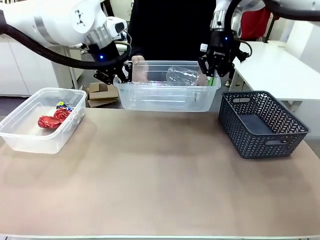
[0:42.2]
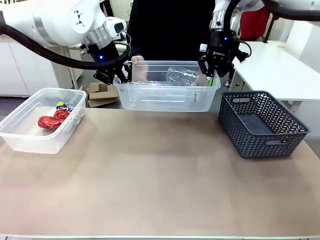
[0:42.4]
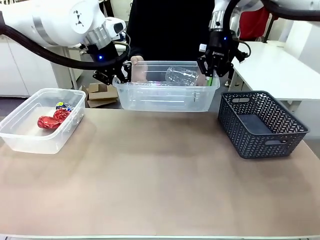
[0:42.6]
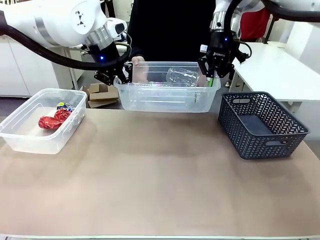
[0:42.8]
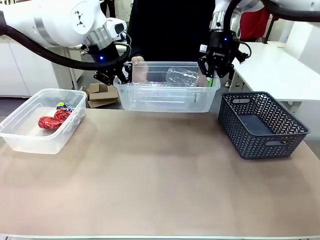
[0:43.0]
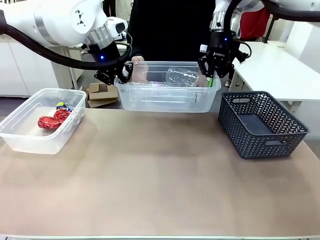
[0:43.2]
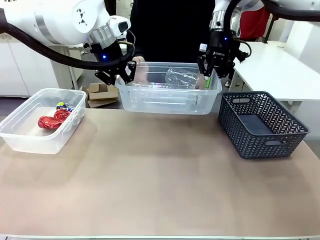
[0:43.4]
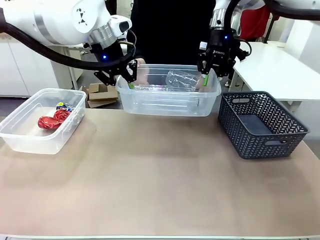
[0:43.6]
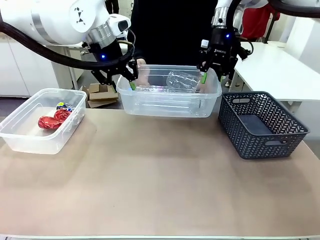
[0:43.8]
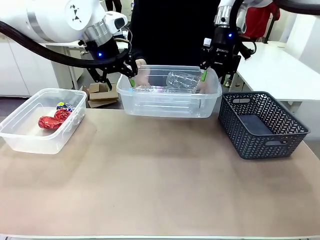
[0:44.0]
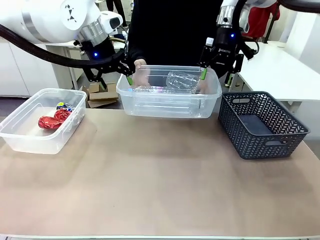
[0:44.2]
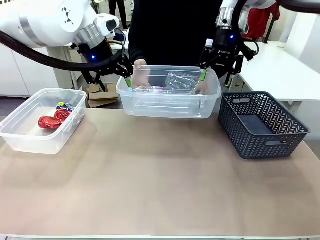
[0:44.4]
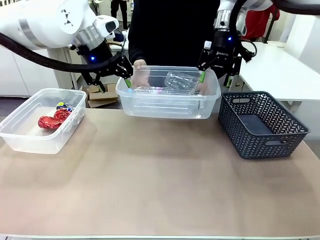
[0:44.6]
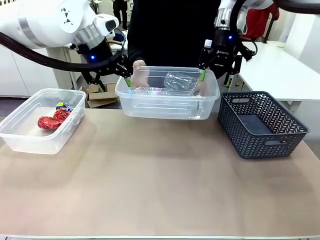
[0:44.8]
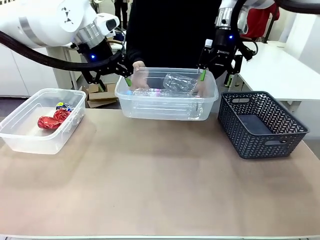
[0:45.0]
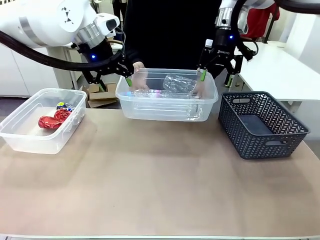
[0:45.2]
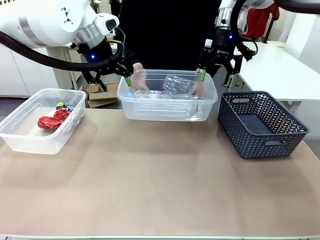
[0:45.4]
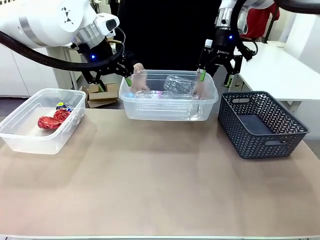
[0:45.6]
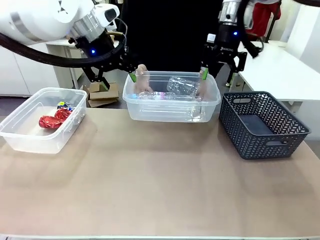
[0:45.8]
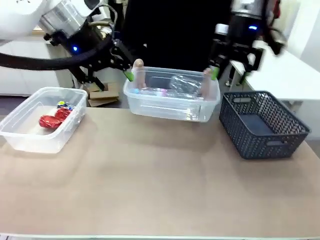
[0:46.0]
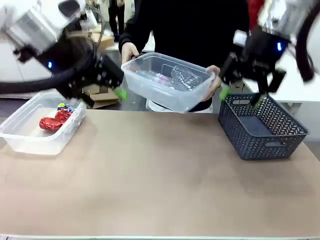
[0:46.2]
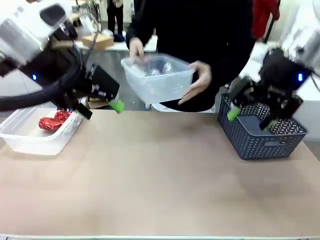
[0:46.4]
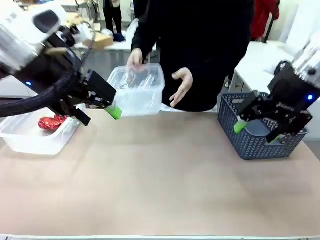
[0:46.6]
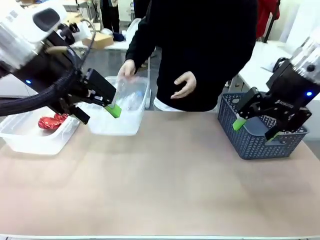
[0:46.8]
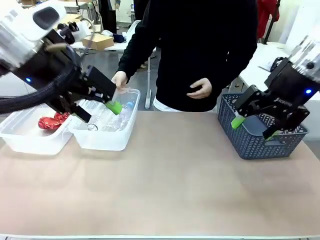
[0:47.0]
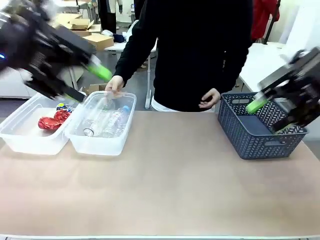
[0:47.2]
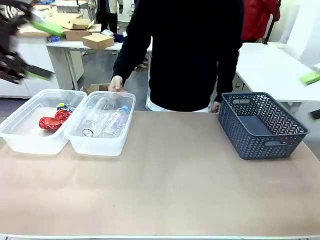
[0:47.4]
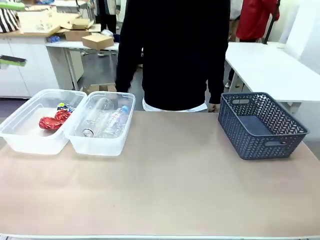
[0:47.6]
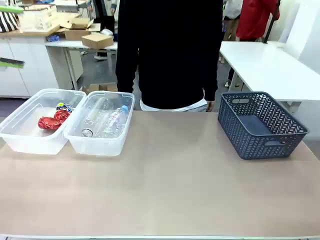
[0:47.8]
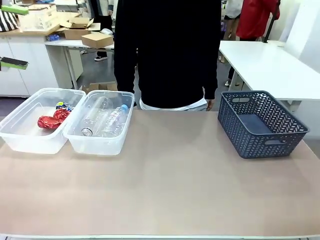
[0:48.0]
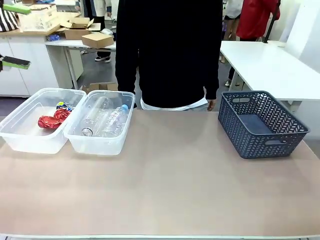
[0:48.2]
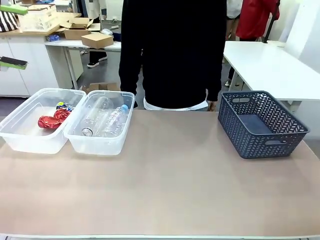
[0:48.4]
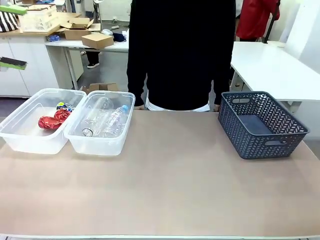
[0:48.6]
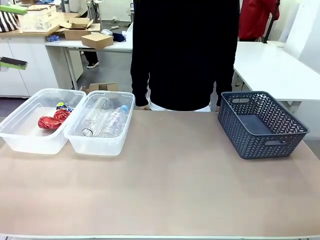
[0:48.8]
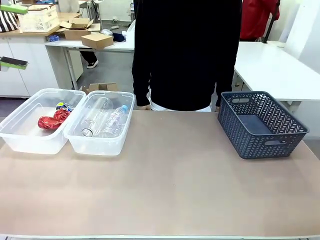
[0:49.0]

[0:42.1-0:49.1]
Robot: Release the Organizing box you were holding.
Person: Pick up the organizing box extended by the robot. Place the organizing box to the left of the sorting box containing the can waste.

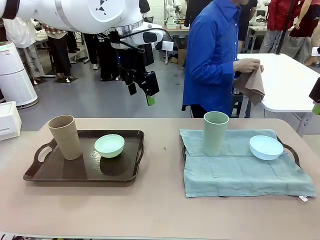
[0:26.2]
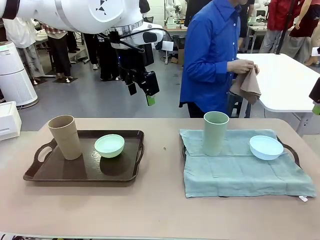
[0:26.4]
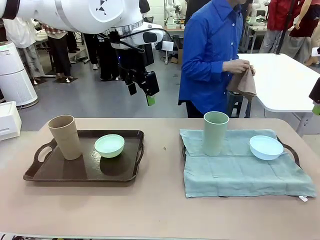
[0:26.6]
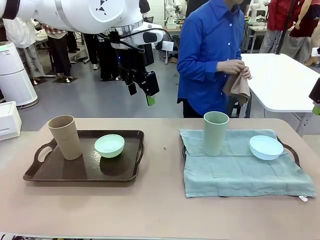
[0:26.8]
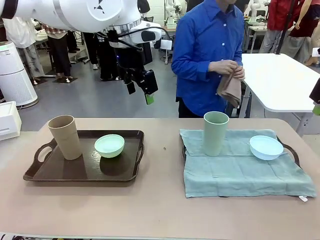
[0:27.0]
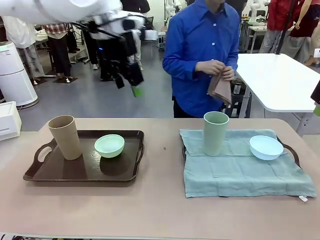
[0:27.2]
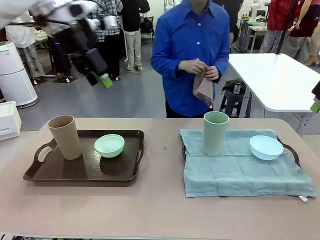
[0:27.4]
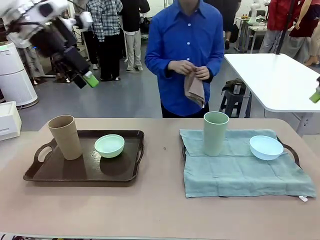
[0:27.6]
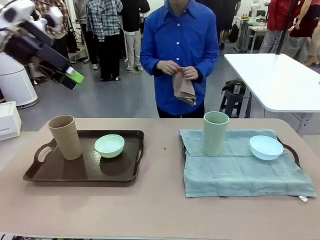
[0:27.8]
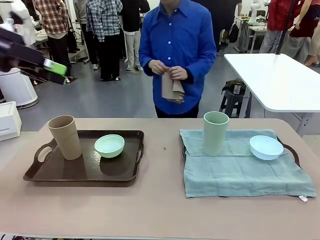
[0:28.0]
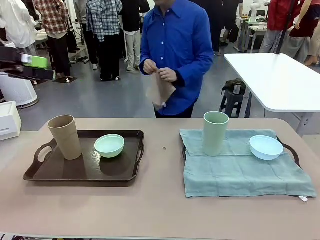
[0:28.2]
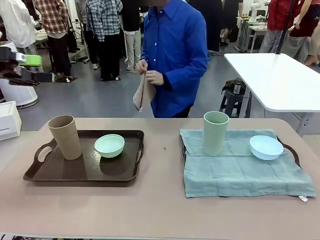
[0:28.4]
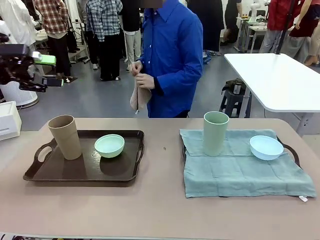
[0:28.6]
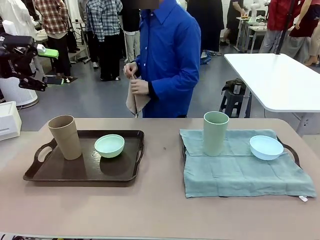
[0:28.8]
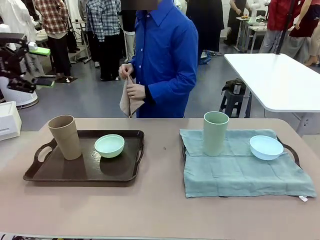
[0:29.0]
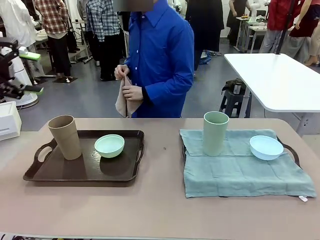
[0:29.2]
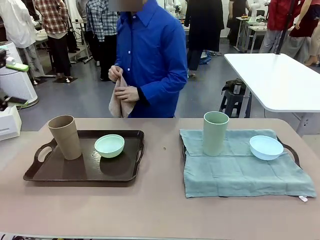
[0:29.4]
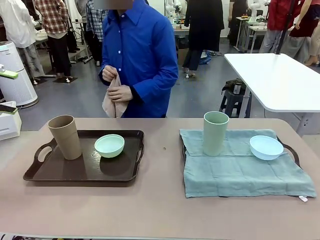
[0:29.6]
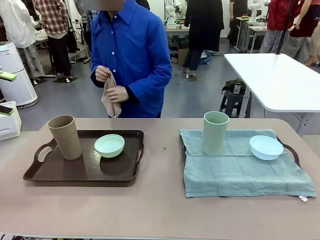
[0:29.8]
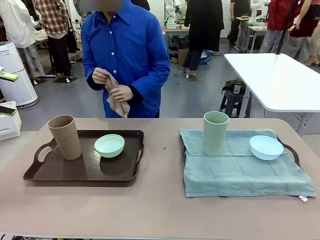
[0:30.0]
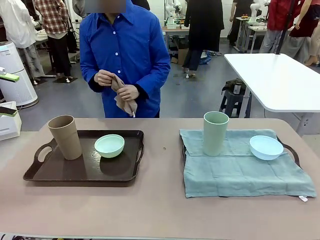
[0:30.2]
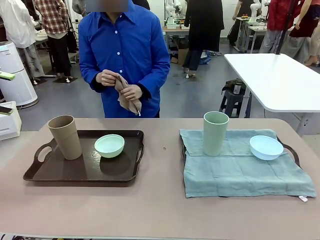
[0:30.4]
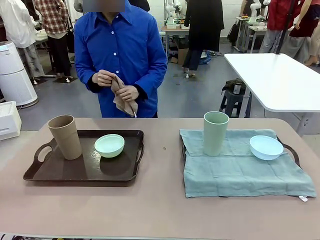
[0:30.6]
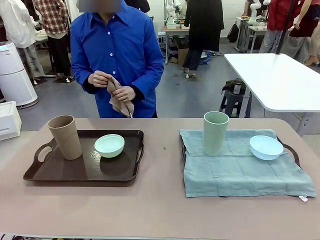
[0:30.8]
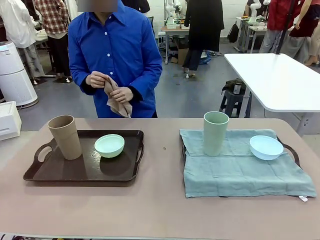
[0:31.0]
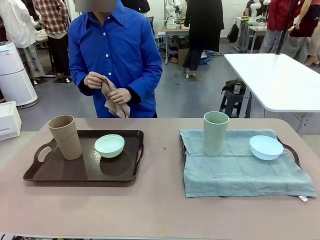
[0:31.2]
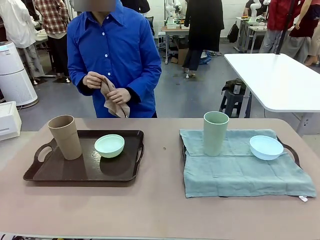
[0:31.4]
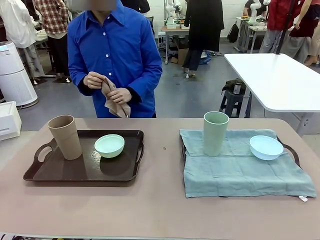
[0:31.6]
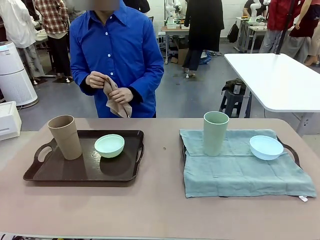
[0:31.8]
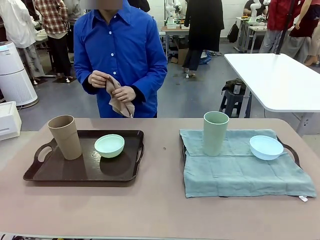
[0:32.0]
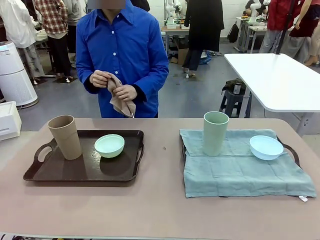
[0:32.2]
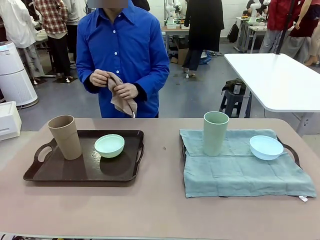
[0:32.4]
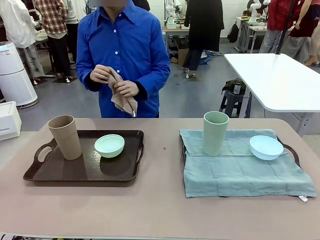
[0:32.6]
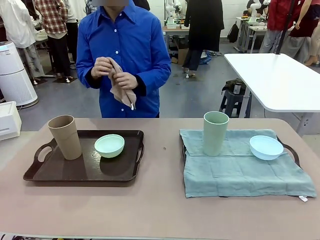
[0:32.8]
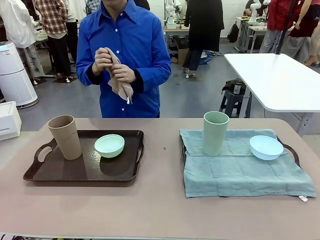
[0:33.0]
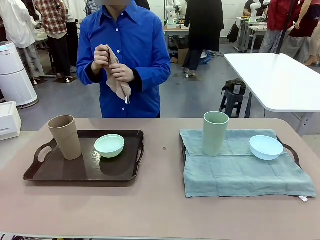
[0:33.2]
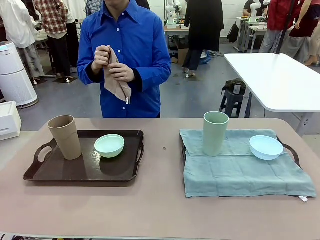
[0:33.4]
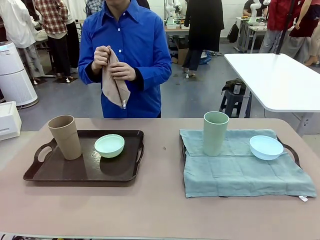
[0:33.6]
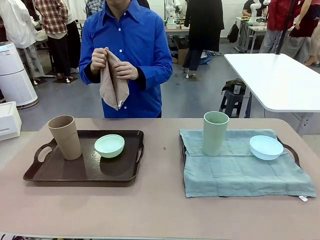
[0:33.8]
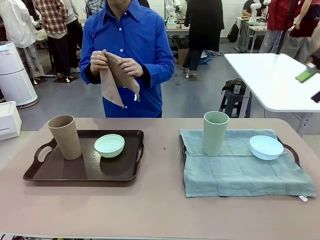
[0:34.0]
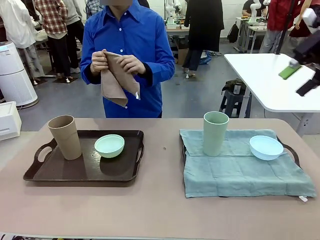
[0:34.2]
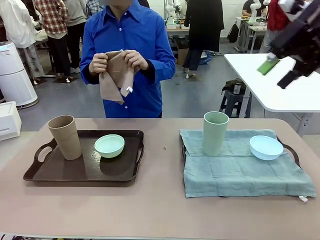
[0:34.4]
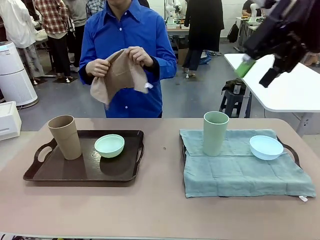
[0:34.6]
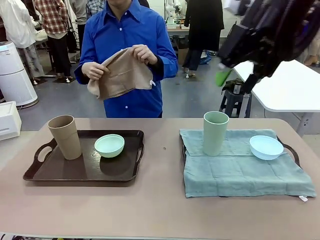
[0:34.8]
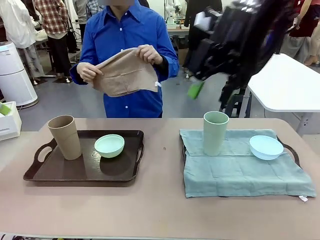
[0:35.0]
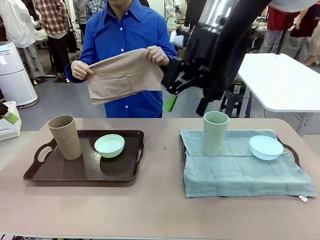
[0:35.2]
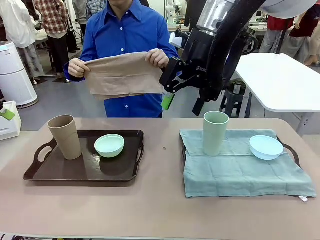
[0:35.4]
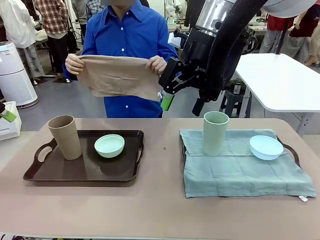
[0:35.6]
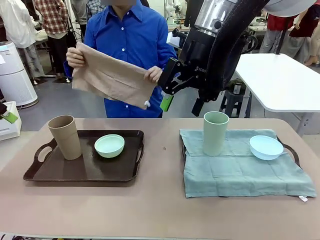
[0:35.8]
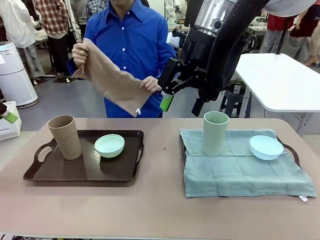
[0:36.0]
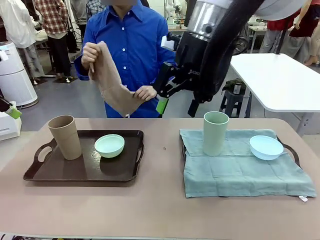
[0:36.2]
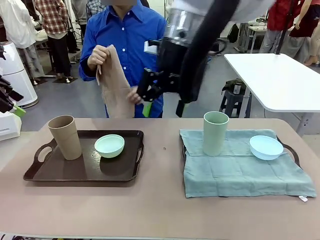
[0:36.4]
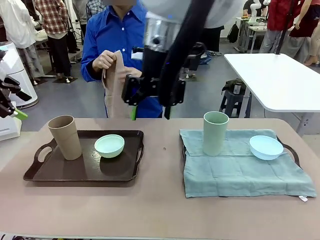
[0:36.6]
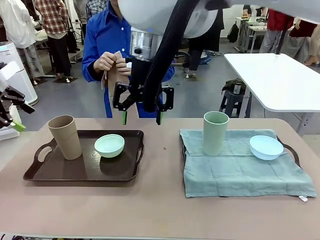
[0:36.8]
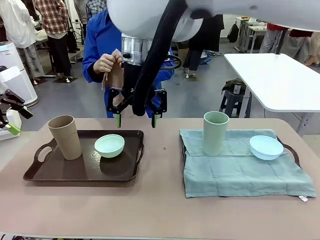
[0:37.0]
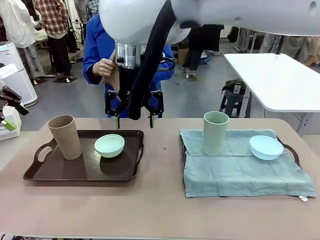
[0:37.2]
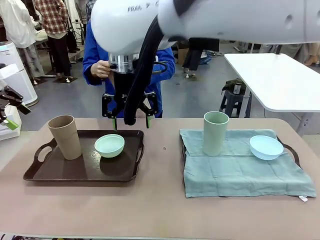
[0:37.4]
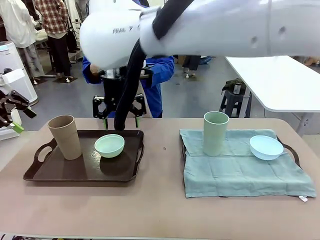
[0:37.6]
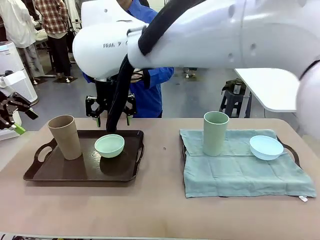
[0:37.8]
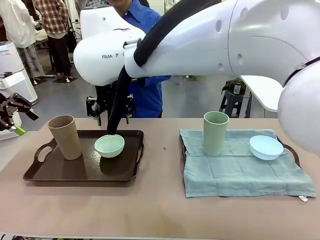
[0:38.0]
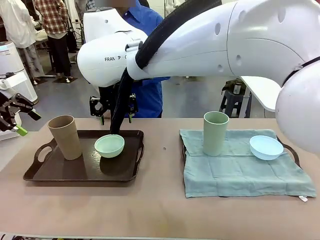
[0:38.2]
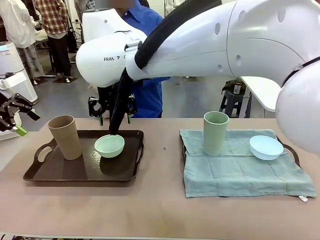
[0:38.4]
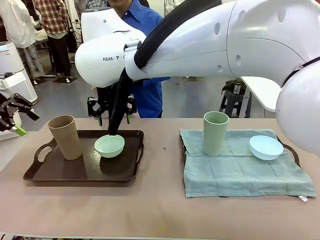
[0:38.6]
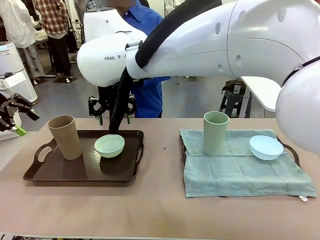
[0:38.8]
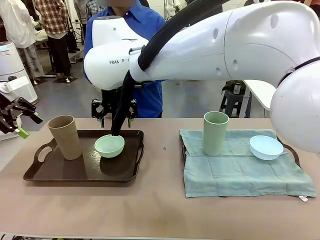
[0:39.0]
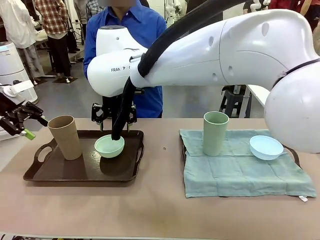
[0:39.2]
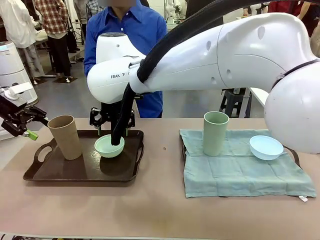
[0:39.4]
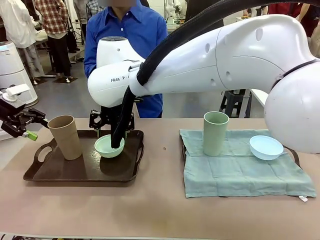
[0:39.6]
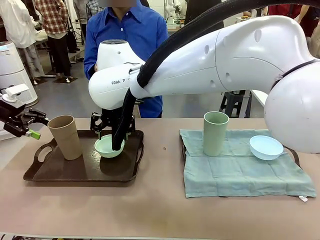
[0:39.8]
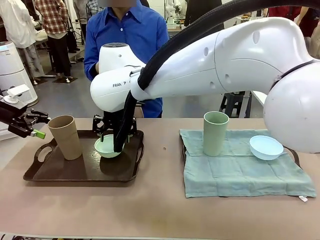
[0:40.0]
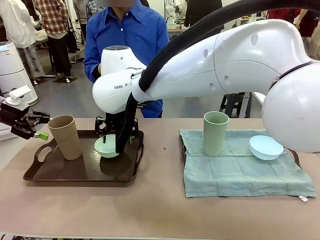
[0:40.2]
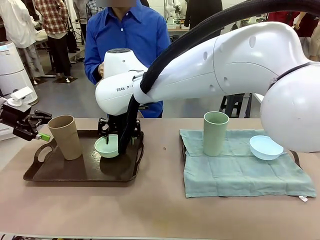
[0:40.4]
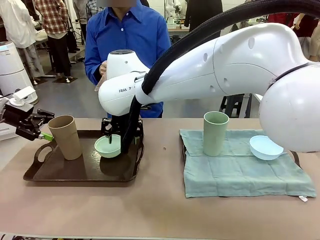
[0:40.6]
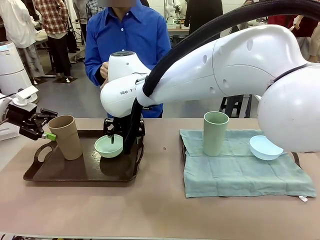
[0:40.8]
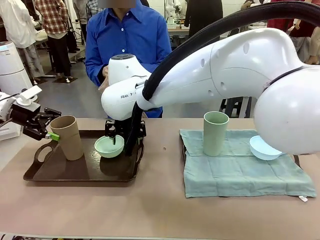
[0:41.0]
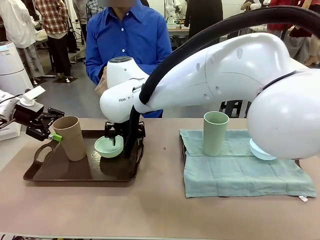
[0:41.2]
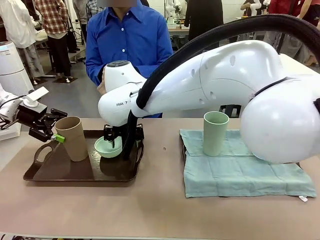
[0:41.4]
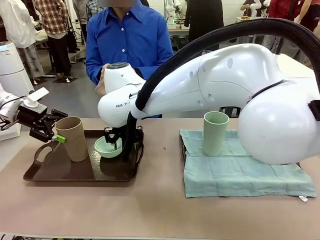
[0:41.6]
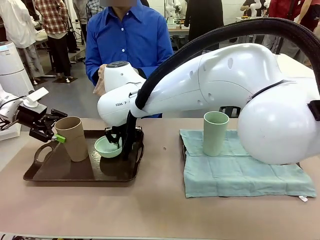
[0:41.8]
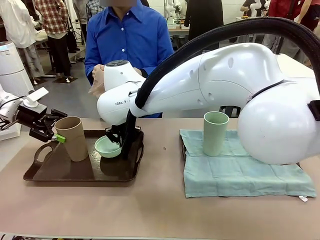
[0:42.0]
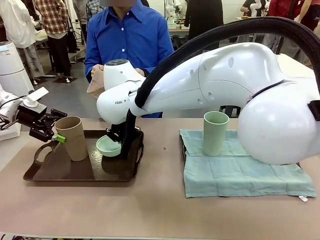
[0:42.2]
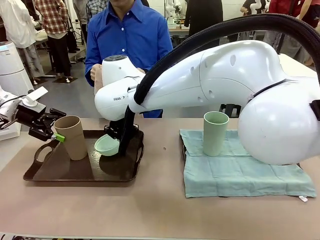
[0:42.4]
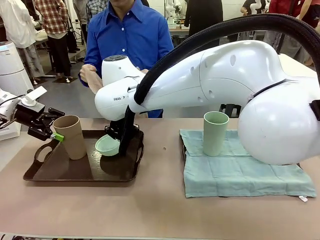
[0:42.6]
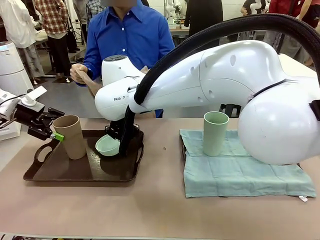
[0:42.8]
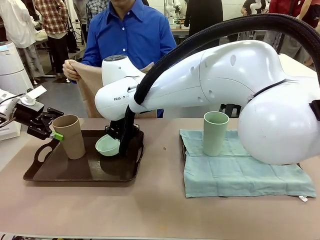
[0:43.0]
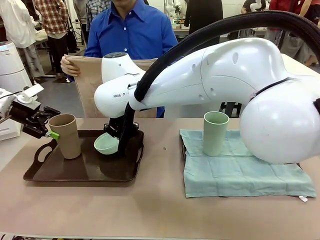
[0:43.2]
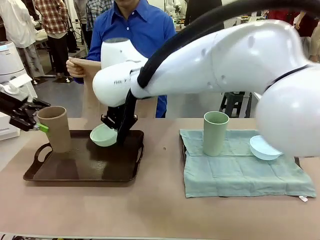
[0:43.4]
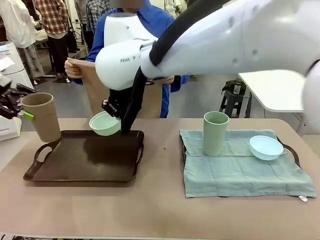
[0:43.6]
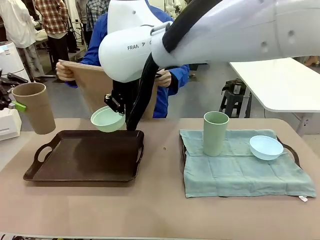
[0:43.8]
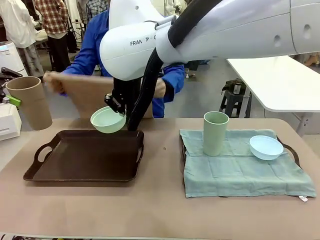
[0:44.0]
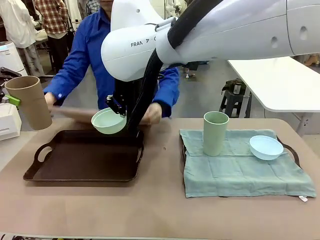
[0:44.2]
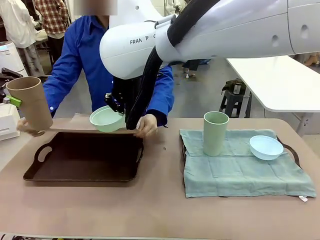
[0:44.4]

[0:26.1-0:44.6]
Robot: Pick up the Picnic Bowl and Reusable plastic cup from the Handle tray in front of the human's position and hold them in the air.
Person: The human returns to the human table to pick up another napkin and walks to the robot table to stand in front of the tray without a napkin.
